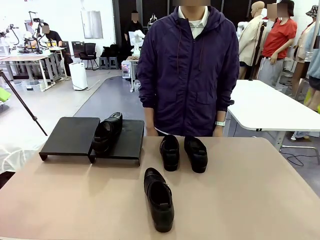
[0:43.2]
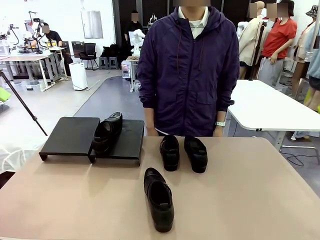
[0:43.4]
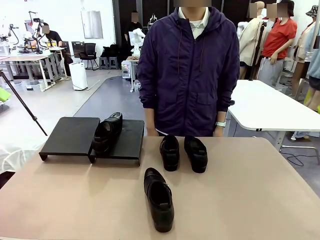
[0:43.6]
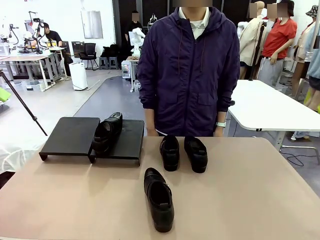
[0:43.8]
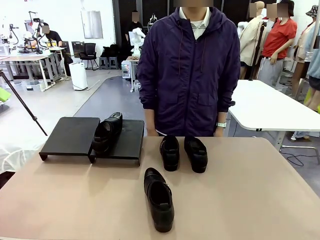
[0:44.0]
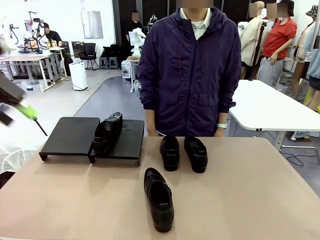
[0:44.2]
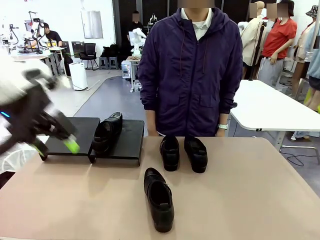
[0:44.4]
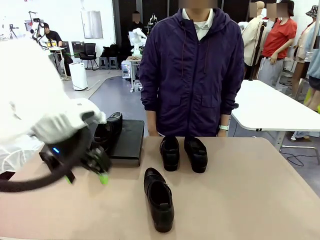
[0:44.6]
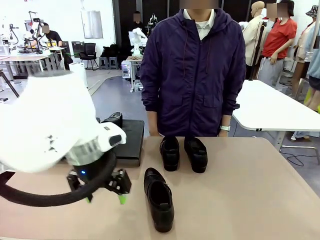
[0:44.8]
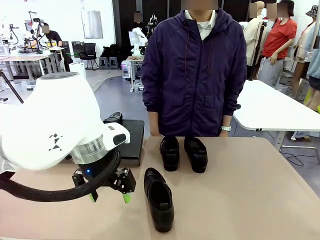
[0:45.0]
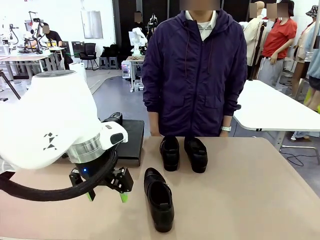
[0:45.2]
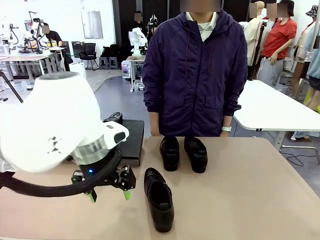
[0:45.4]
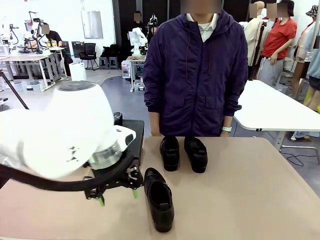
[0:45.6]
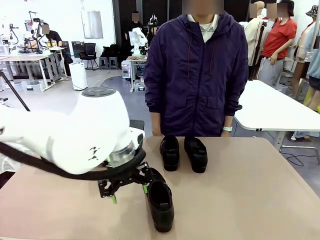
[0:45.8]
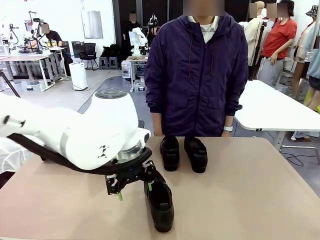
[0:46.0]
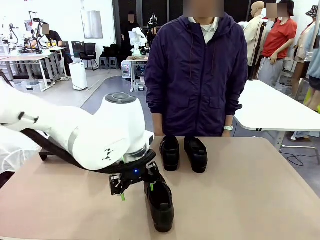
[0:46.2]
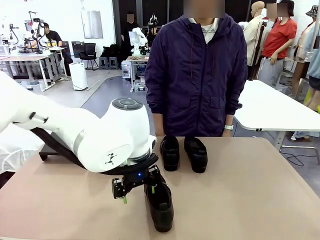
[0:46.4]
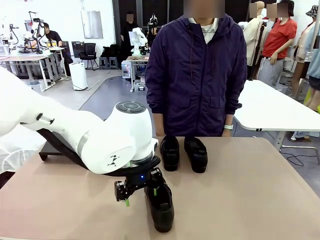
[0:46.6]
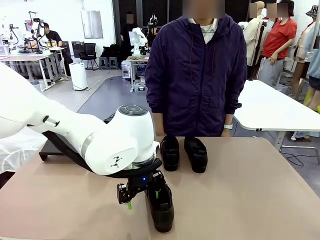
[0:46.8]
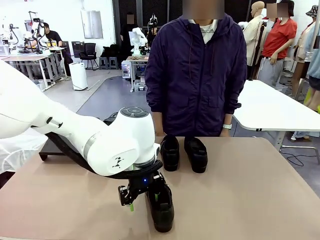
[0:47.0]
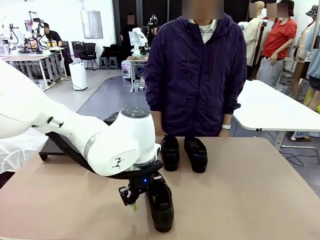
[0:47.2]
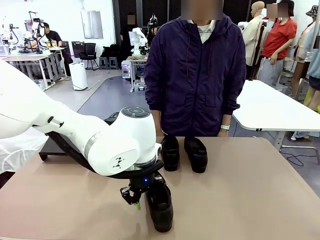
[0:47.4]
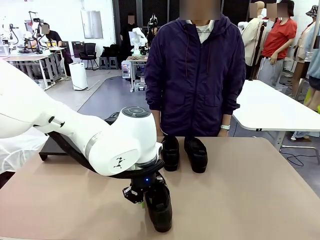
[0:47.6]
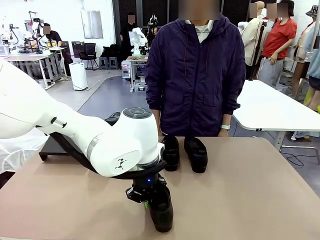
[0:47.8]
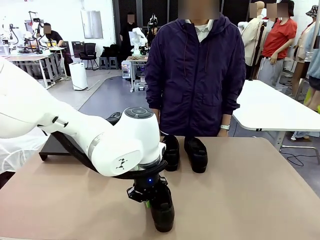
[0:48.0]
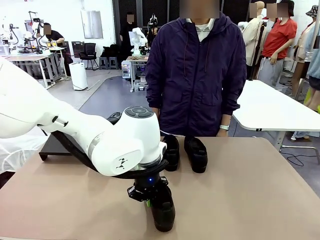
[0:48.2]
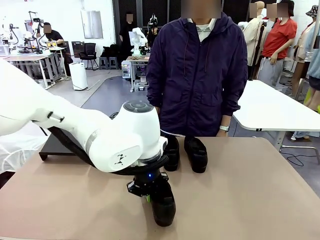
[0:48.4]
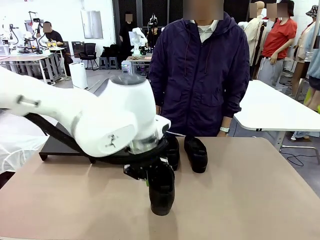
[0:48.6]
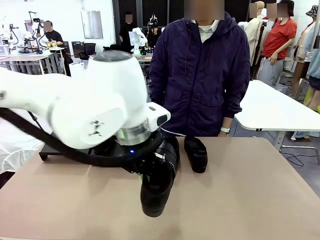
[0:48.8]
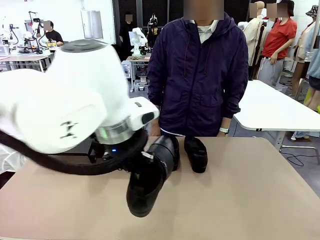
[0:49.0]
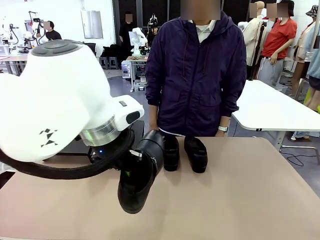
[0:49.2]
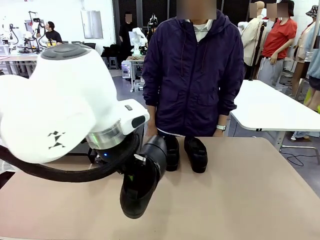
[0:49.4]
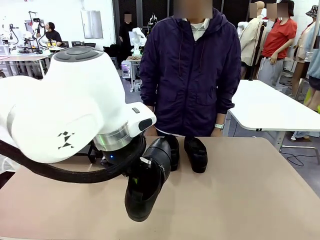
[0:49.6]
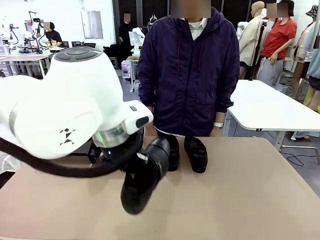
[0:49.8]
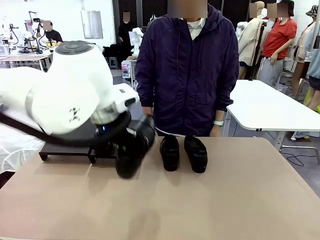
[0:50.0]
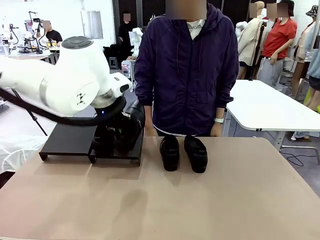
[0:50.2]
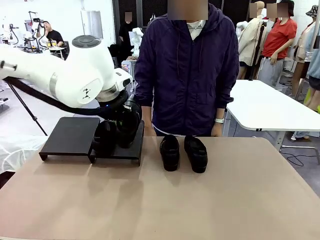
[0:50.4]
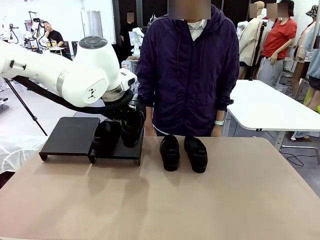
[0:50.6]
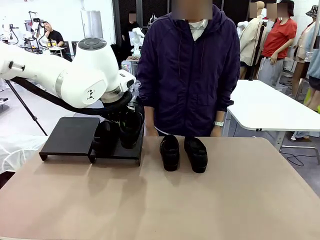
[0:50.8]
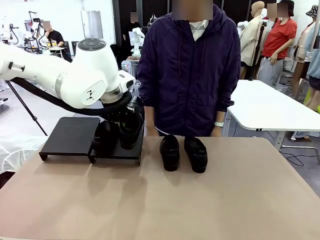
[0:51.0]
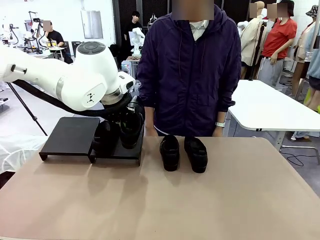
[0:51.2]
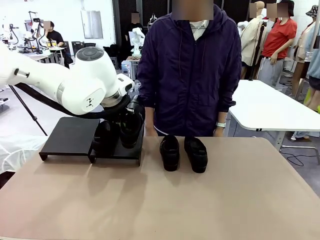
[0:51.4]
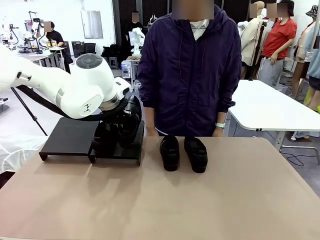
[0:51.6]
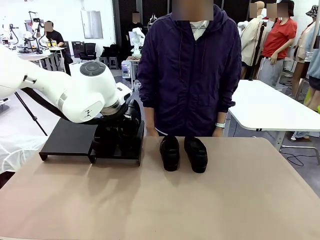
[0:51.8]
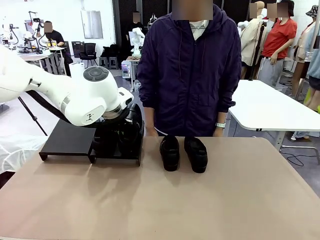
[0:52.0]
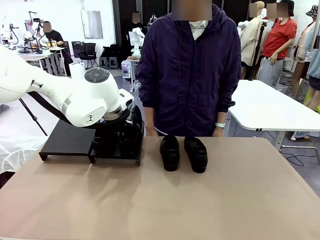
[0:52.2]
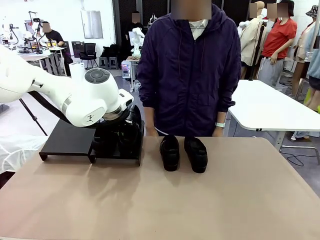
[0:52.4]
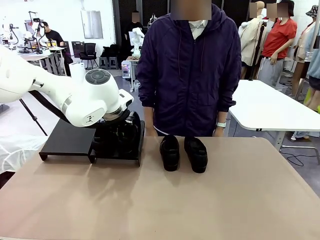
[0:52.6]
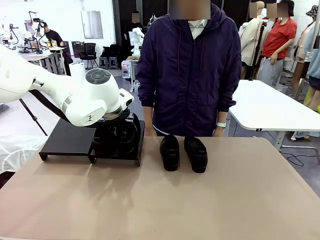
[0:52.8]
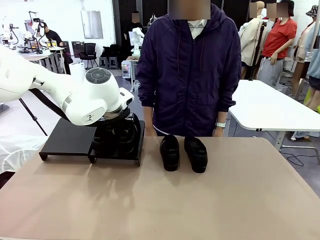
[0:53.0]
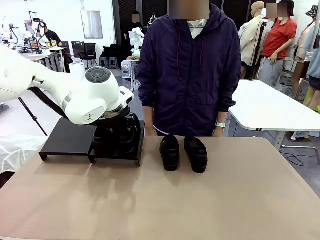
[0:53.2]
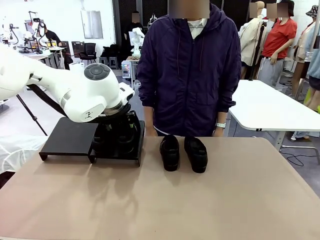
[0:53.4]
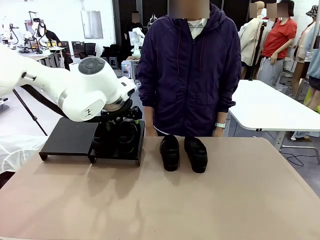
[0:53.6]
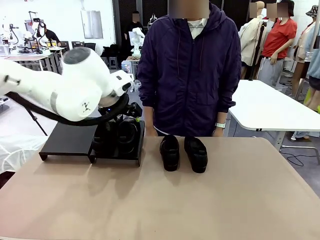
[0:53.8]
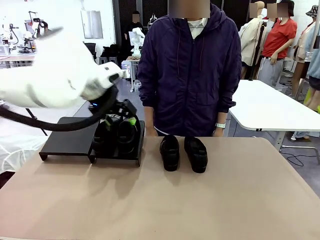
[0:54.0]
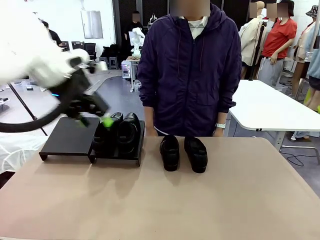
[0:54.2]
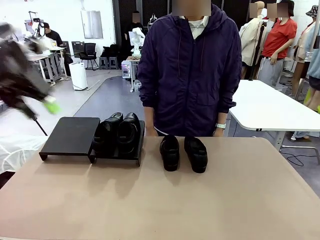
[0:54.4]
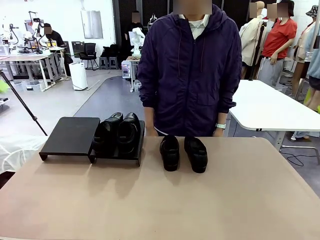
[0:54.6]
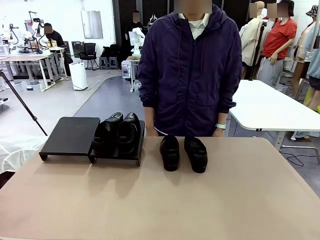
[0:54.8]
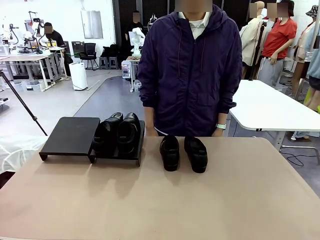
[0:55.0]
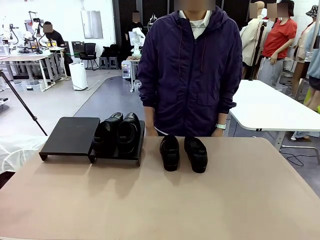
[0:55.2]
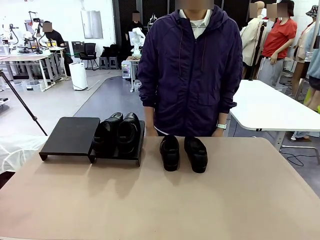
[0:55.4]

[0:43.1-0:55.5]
Task: Organize the shoes by placing them on the stand.
Robot: Place the Shoe from the middle of the table onto the Shoes Stand.

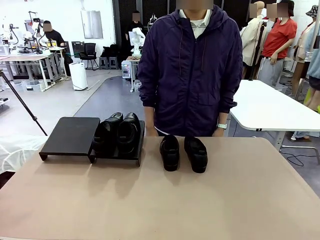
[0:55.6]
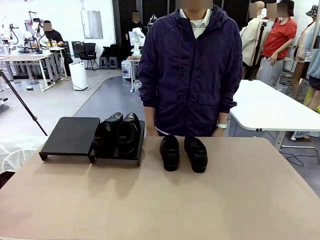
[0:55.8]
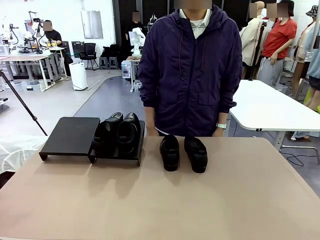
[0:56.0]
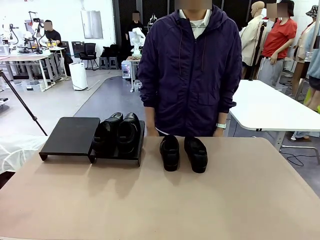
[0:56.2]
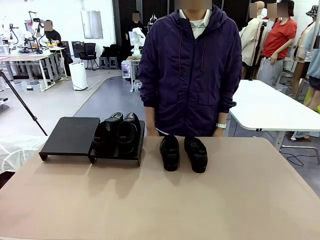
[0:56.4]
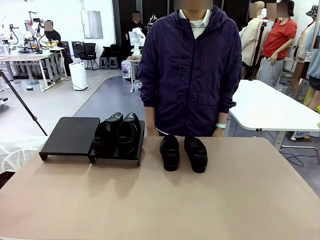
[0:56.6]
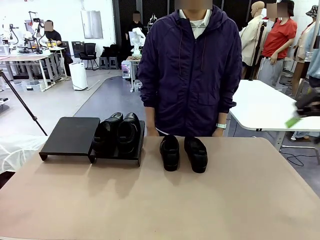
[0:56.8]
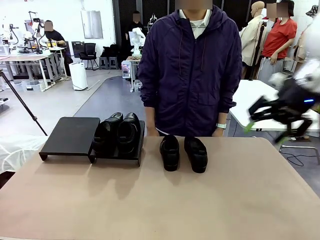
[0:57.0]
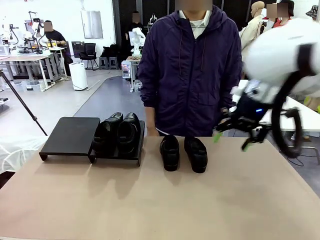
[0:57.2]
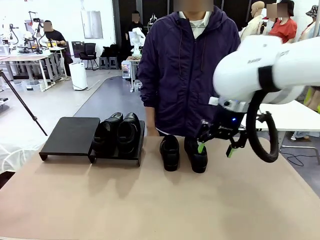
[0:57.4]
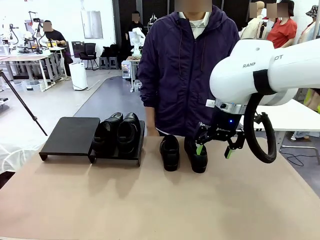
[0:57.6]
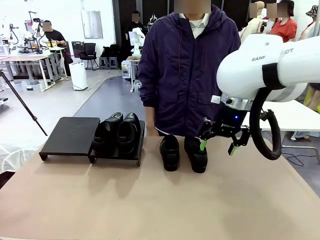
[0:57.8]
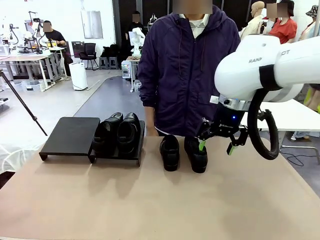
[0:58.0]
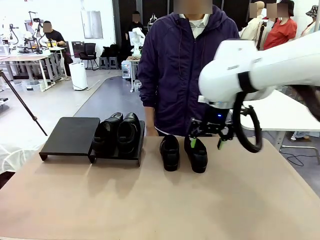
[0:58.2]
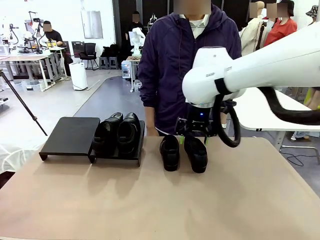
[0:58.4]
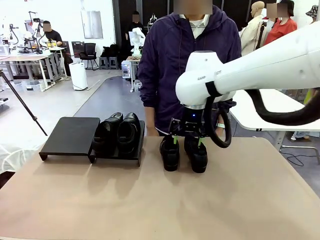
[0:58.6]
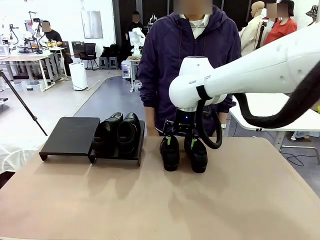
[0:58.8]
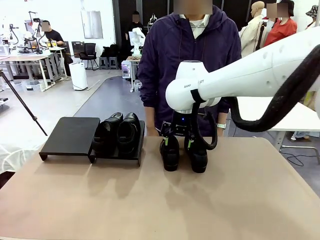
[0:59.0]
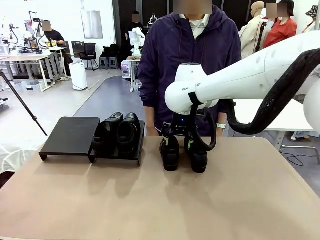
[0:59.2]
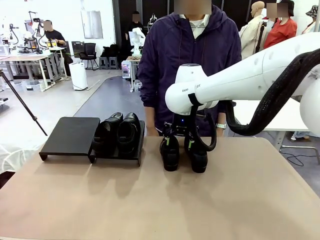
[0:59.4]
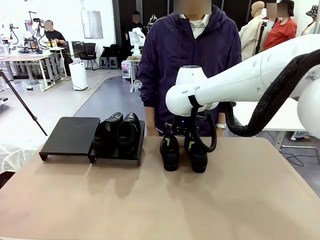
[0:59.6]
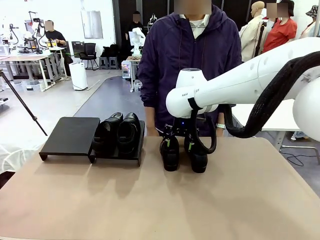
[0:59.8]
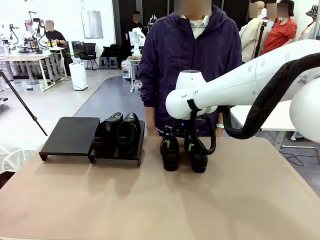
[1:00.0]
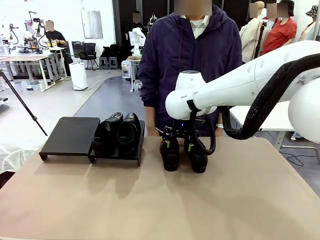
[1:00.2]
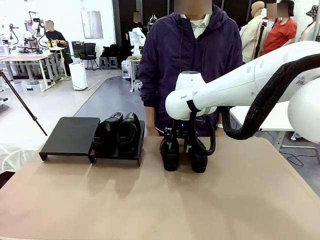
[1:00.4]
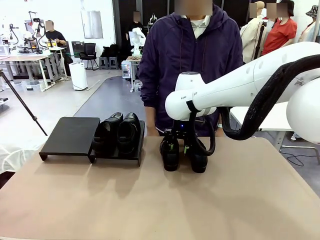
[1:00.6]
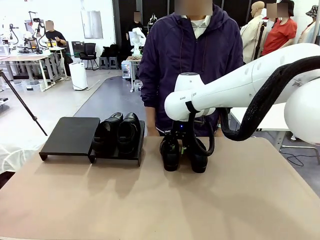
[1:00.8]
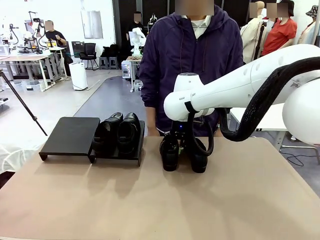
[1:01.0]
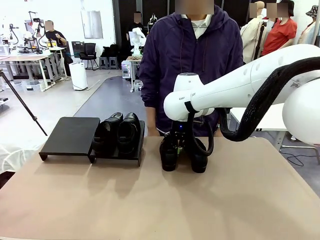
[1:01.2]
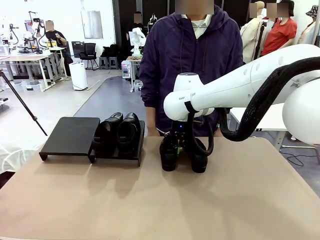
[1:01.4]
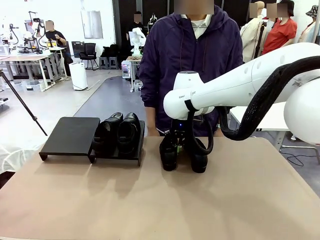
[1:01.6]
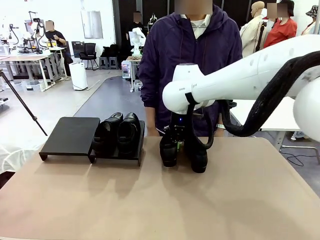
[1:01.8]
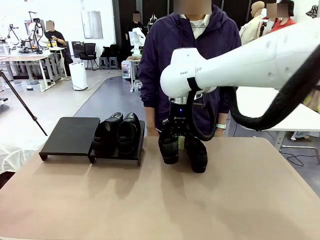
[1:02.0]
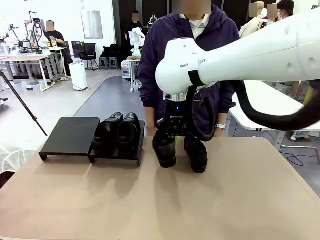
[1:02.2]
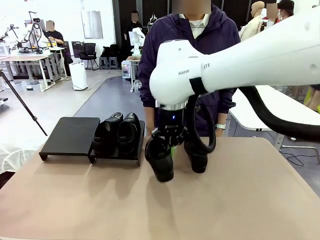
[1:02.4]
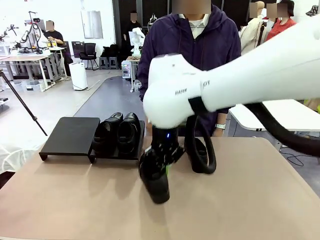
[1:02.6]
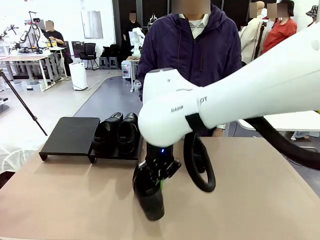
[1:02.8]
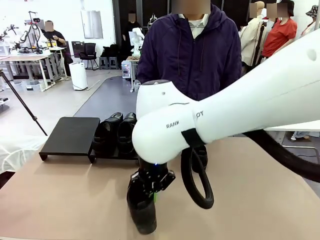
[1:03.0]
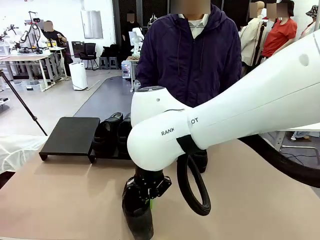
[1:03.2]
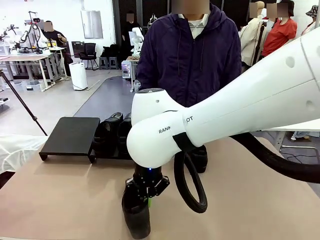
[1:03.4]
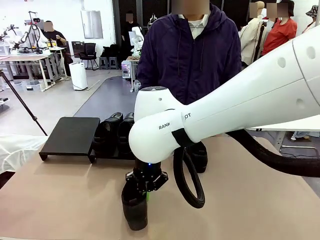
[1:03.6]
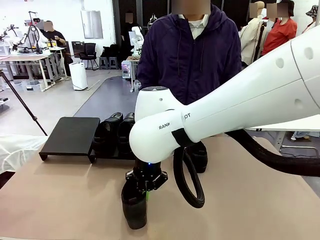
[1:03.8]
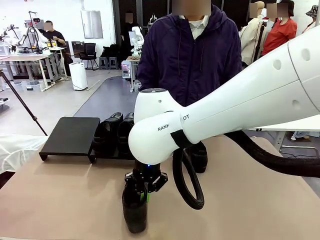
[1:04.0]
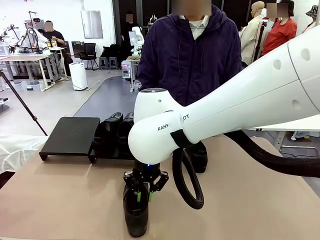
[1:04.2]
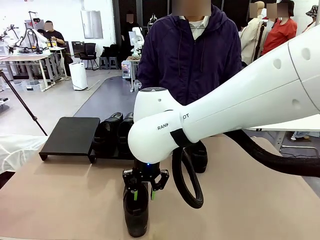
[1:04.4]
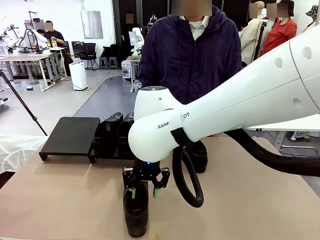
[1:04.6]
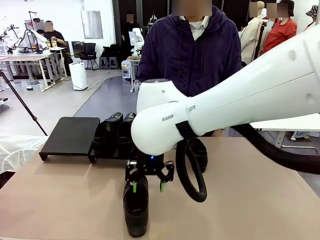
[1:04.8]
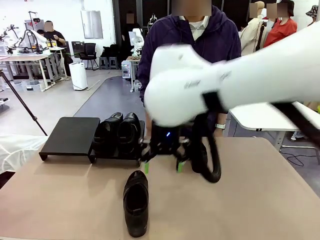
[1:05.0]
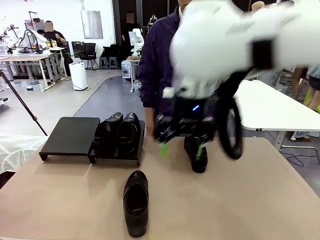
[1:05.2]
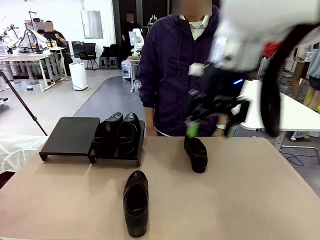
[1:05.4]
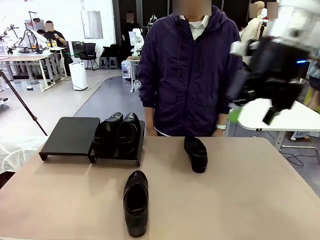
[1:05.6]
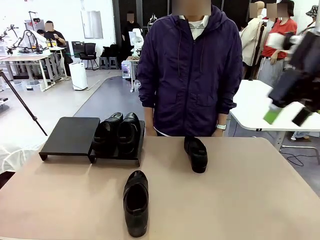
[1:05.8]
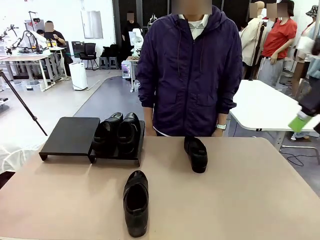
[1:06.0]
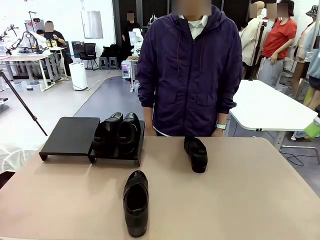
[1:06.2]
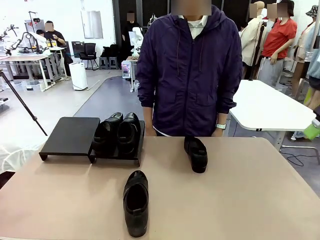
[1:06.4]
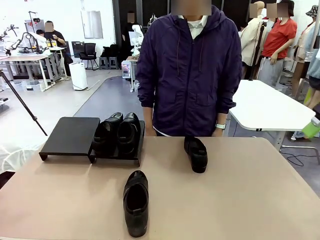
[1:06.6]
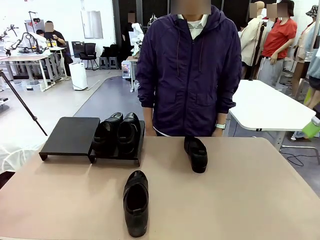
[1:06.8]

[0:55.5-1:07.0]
Robot: Pick up one Shoe and place it in the middle of the table.
